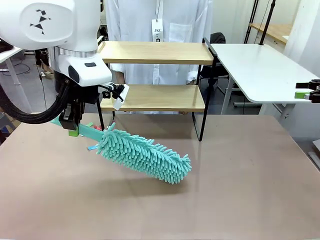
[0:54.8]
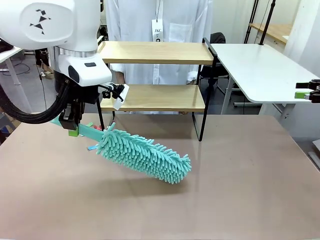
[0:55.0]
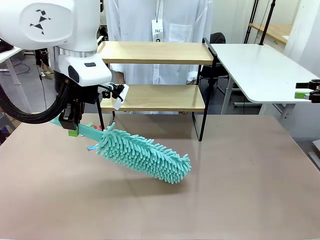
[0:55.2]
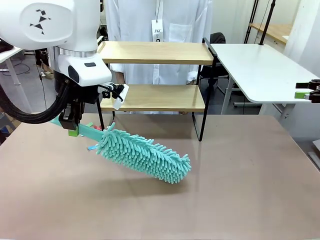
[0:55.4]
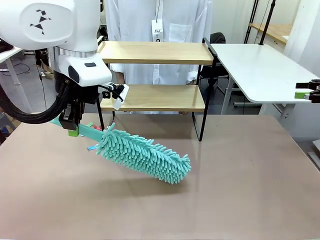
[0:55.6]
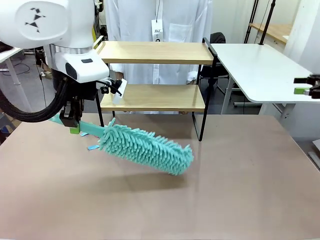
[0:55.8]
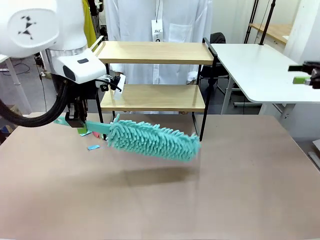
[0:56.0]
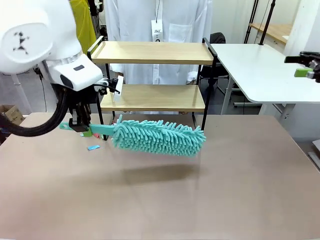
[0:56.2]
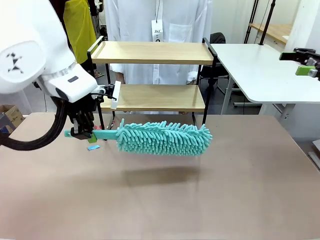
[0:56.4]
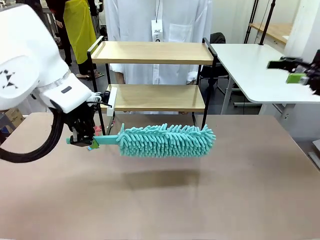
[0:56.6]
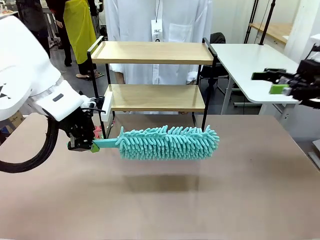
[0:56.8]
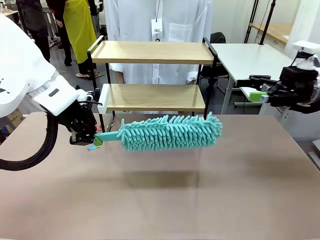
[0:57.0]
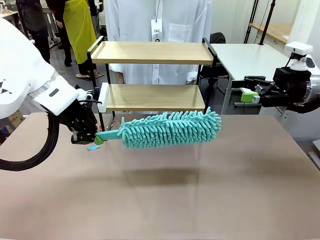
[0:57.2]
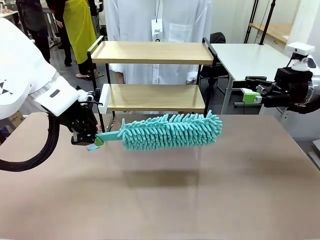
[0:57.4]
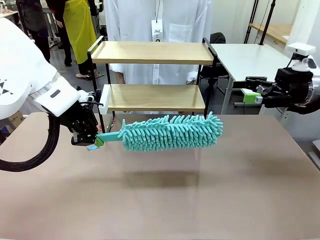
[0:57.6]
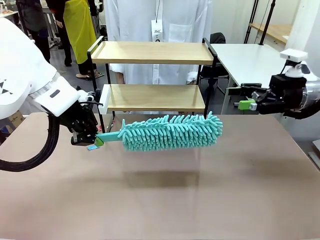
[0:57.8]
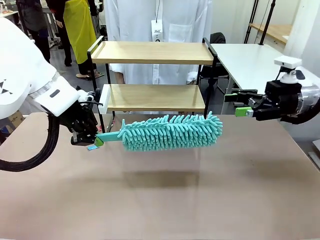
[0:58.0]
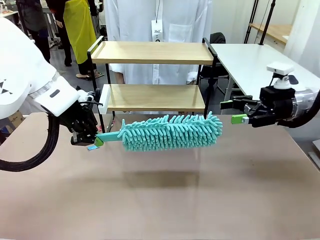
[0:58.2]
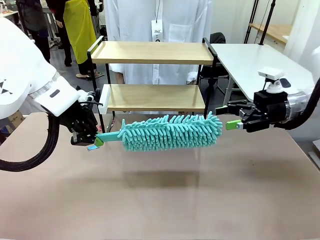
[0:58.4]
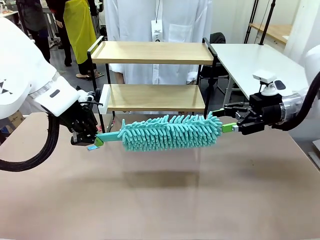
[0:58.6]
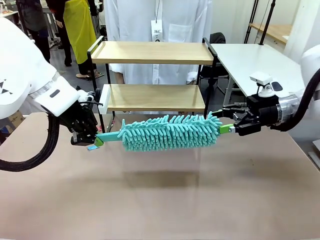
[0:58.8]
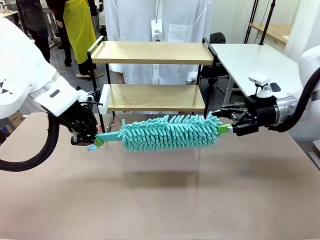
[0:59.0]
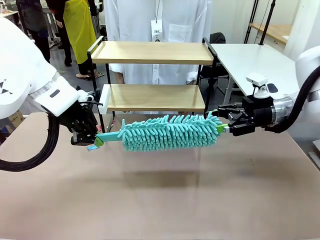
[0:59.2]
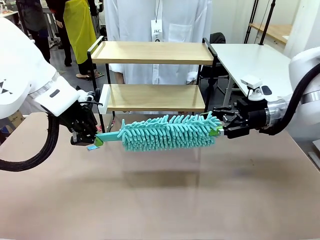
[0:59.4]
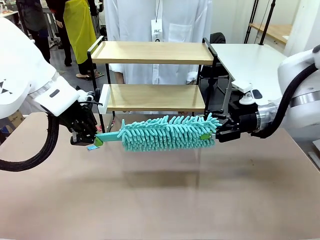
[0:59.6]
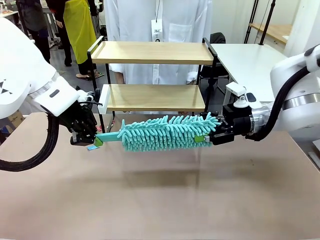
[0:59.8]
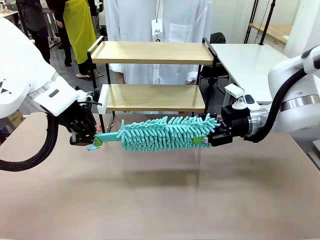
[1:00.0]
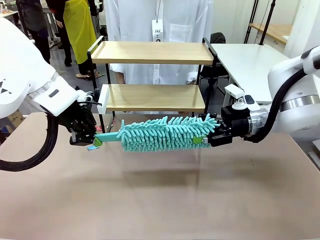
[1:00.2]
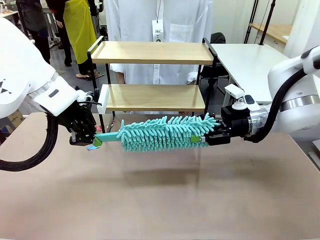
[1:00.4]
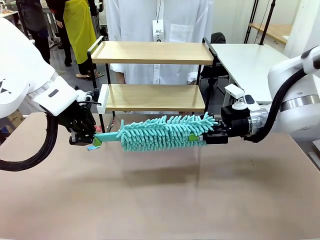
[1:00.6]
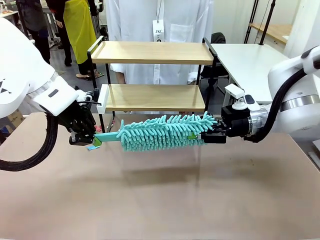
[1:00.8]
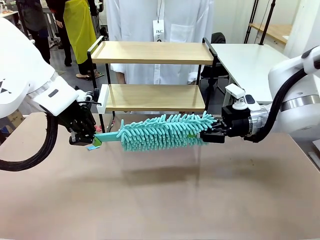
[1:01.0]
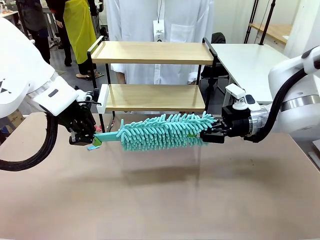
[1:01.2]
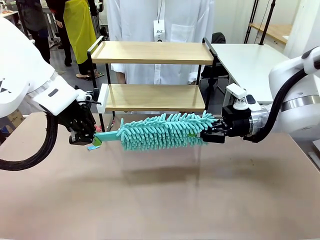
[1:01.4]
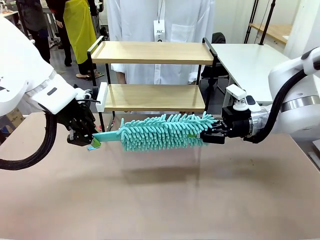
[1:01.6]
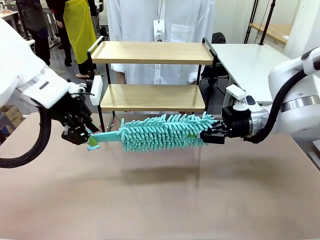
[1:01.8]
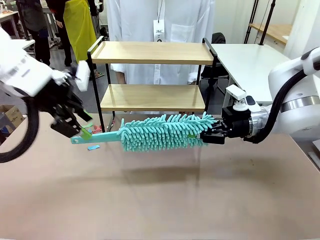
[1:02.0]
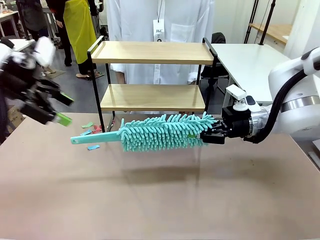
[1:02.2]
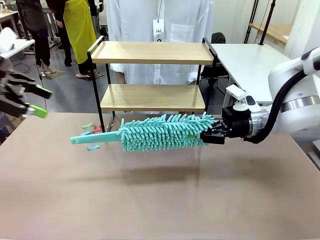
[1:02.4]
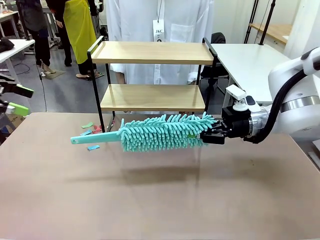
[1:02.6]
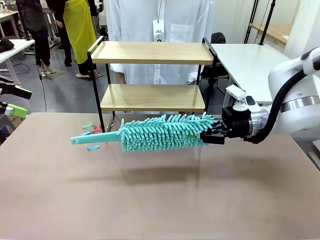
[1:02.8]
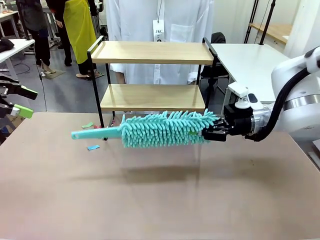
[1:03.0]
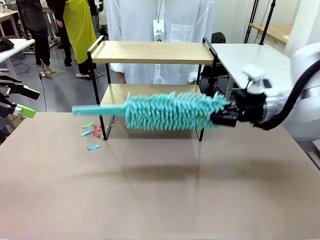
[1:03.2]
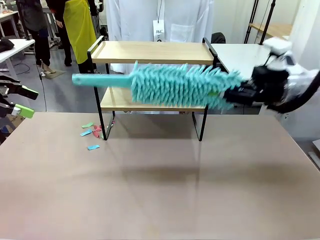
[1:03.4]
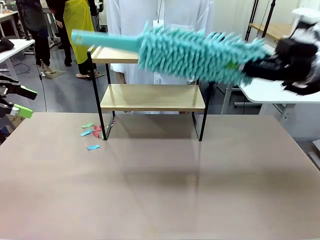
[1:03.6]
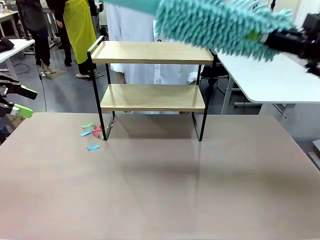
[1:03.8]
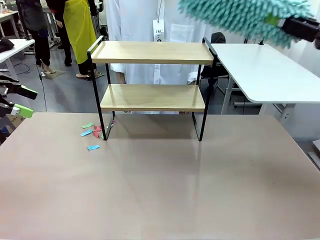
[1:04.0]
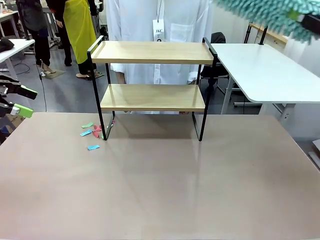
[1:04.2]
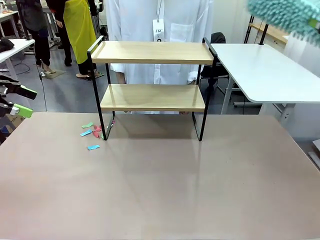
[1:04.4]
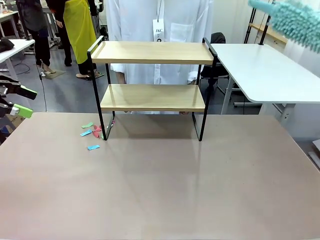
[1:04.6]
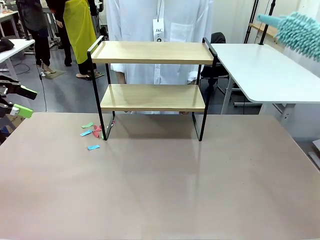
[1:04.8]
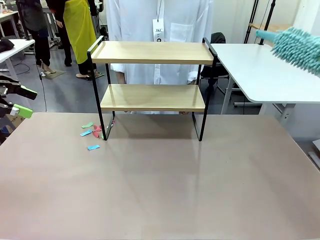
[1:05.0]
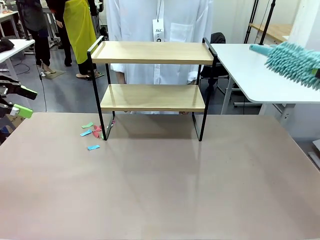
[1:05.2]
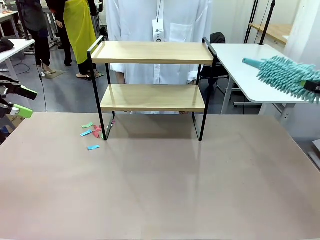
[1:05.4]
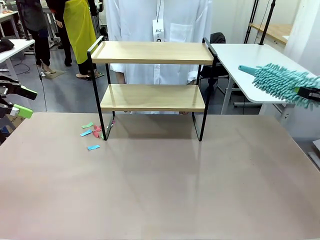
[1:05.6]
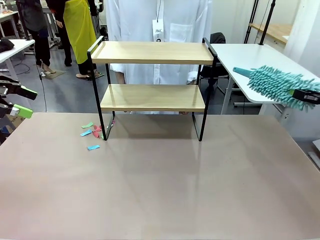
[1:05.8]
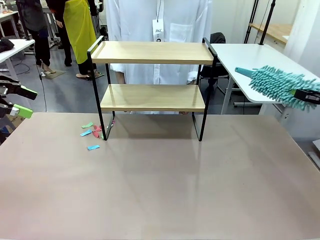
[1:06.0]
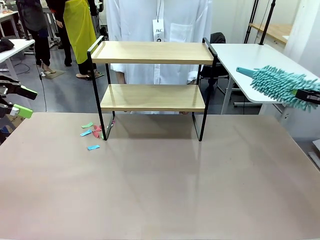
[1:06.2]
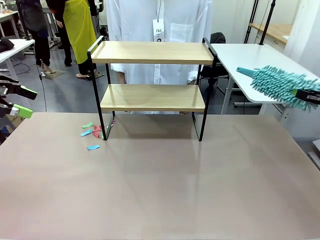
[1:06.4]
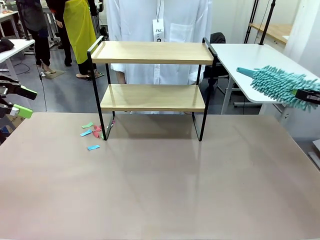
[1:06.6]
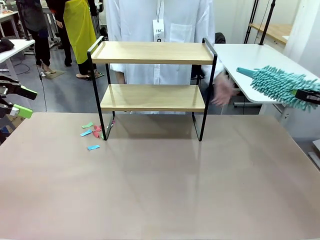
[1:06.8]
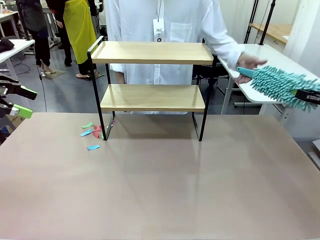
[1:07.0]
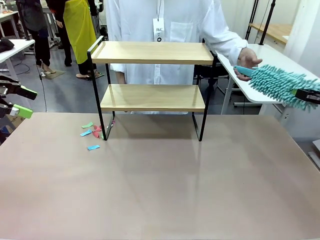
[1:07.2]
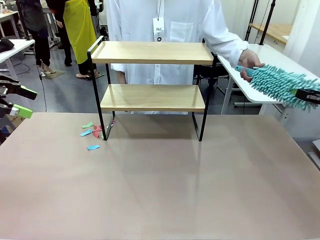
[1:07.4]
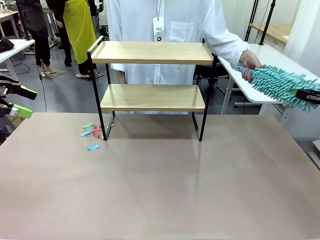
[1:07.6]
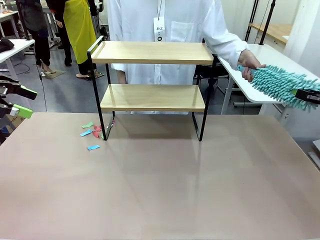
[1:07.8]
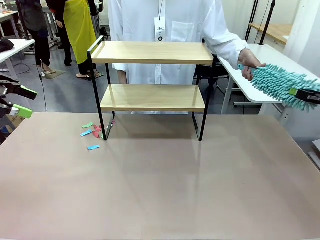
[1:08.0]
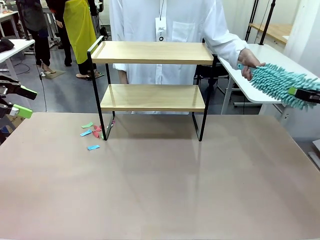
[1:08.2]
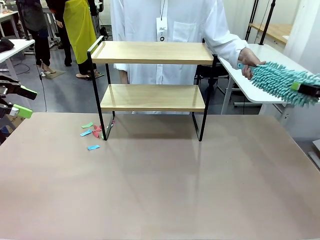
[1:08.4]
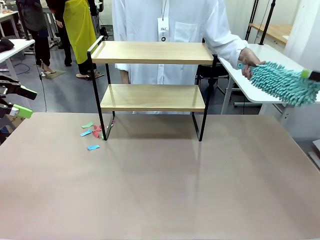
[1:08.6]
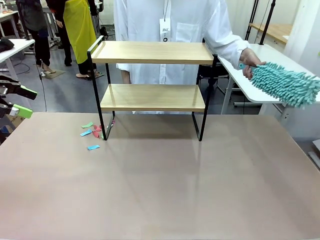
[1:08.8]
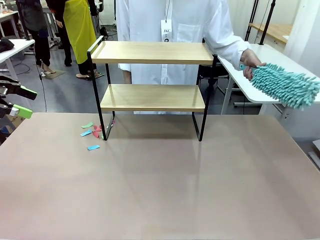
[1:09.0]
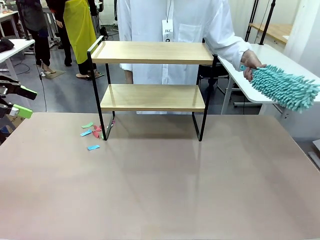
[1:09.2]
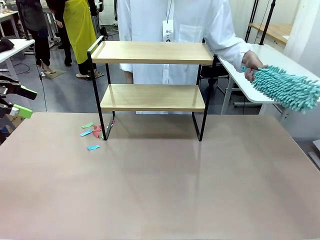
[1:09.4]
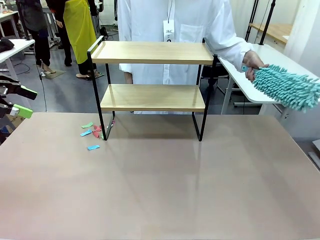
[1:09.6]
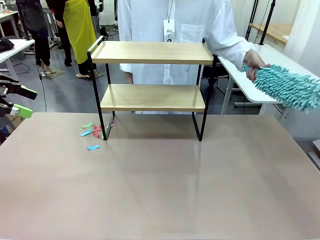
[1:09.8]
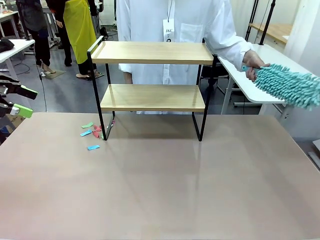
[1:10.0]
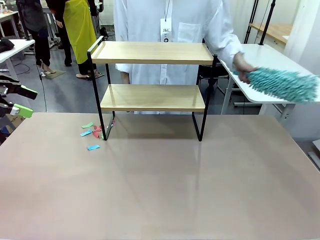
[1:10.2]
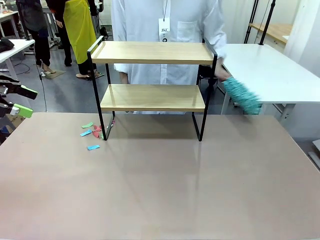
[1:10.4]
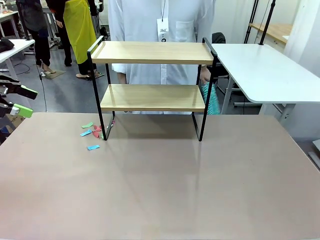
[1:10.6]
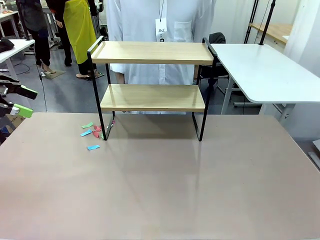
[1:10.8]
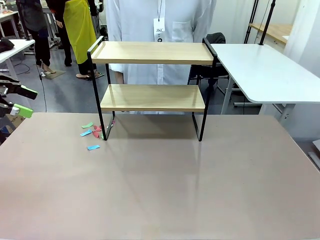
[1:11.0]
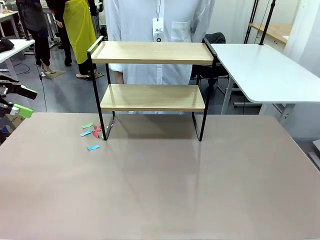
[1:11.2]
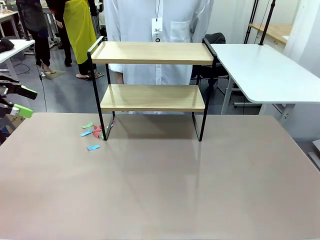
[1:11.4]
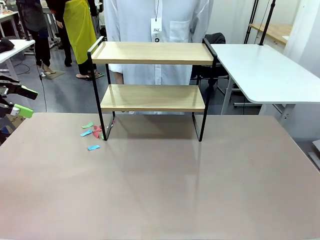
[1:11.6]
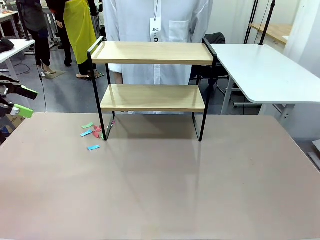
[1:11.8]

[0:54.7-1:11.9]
Task: Clean the shelf.
Robot: Hand the Duster back to the human.
Person: Receive the Duster from the robot.

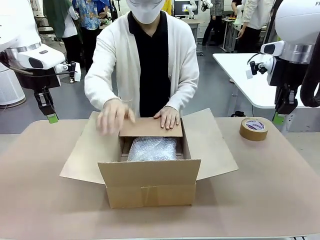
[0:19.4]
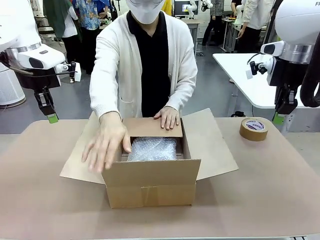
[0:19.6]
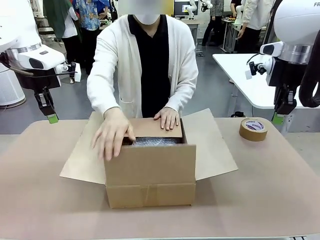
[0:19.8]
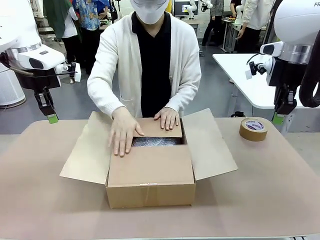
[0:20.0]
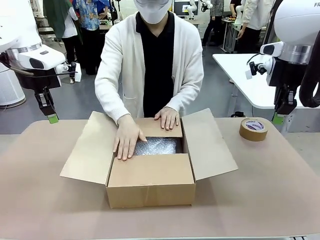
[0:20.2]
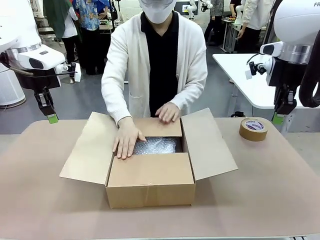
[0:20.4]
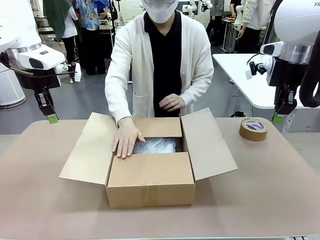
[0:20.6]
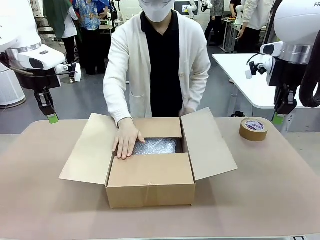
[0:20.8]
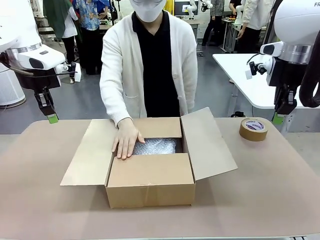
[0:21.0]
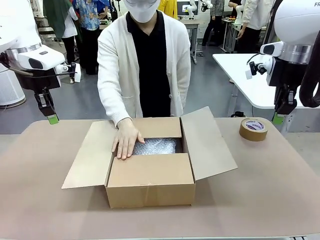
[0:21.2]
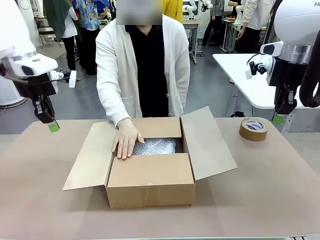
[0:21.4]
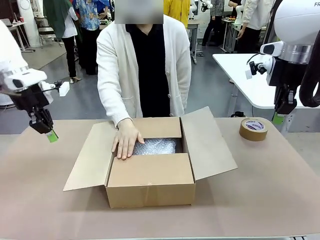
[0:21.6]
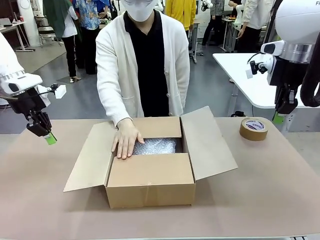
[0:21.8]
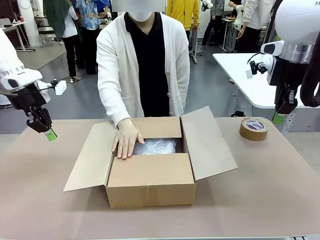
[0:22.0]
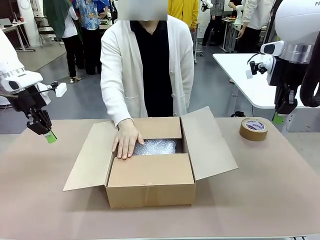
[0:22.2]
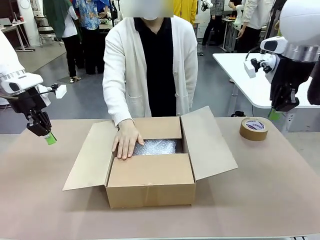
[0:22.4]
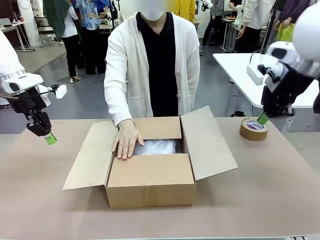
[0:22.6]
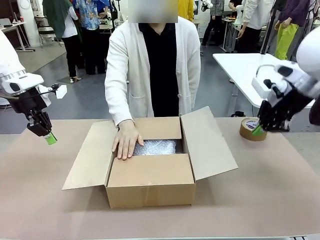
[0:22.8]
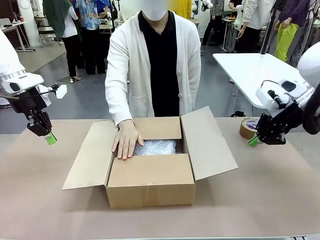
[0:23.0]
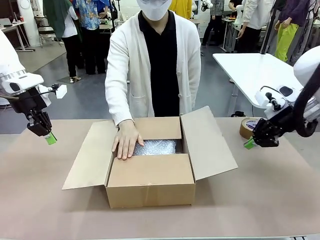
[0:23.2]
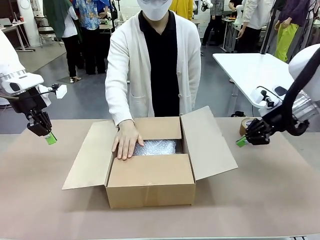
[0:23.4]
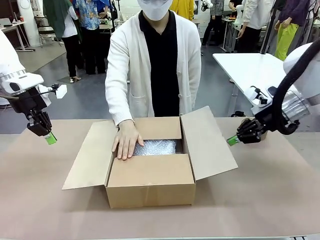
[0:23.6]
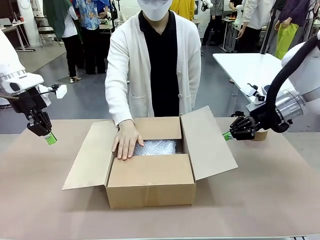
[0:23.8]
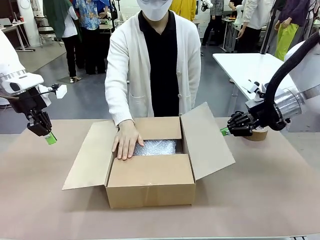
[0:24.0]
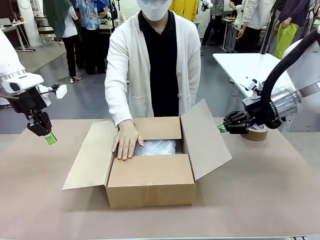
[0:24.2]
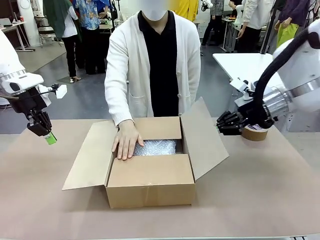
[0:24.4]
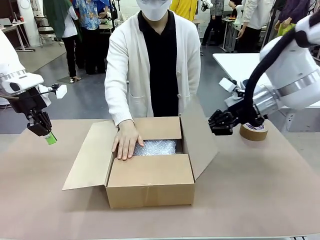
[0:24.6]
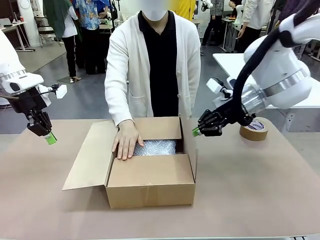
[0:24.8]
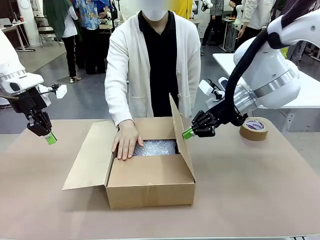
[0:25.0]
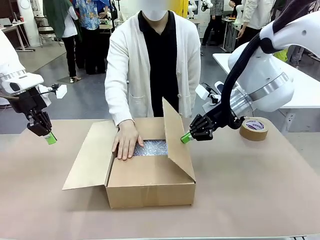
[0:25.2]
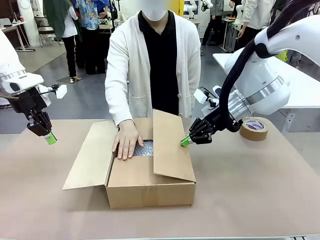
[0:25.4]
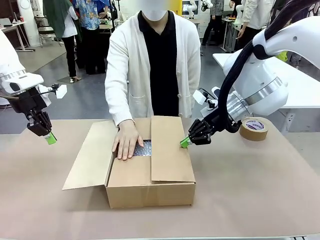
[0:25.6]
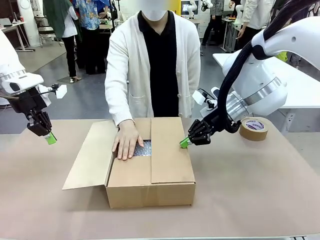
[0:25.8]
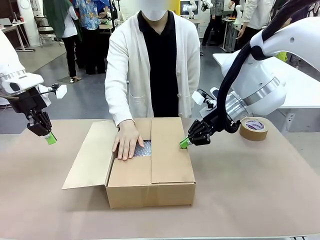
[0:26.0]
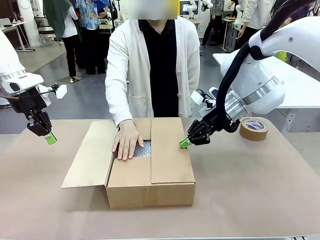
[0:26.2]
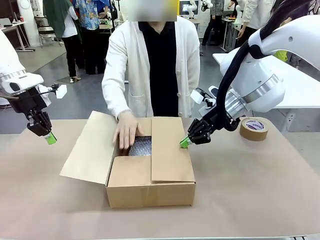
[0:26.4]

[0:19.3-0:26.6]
Task: Wrap the clocks to prevent damage.
Robot: Push the right (or left) flap of the Package Box to close it.
Person: Once the robot closes the right flap of the Package Box , release your left hand from the box.
